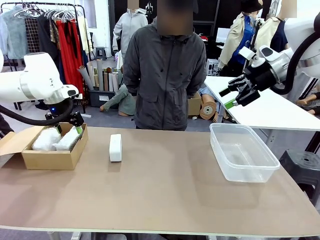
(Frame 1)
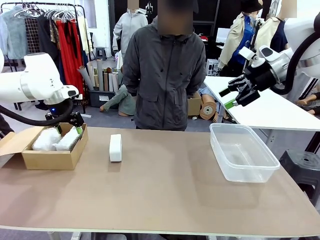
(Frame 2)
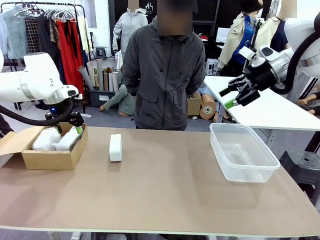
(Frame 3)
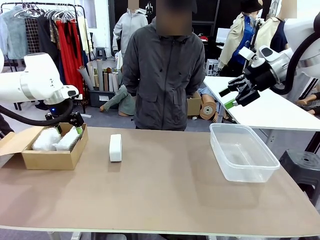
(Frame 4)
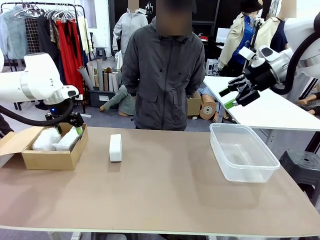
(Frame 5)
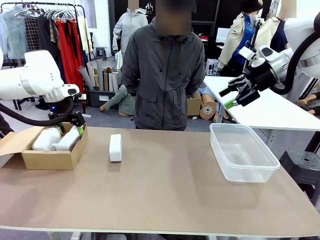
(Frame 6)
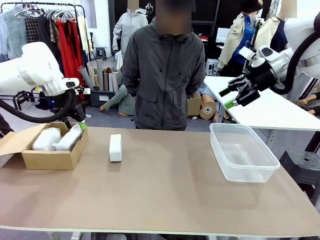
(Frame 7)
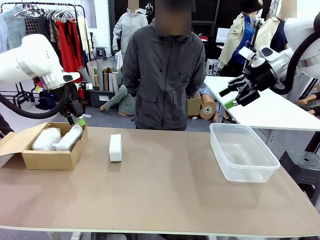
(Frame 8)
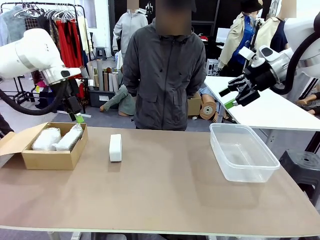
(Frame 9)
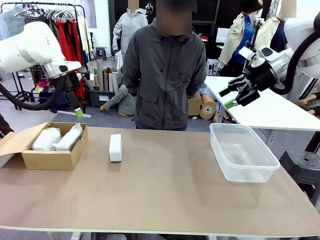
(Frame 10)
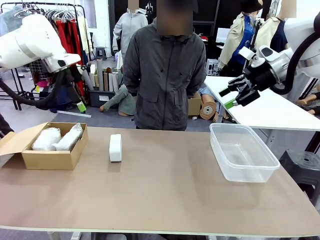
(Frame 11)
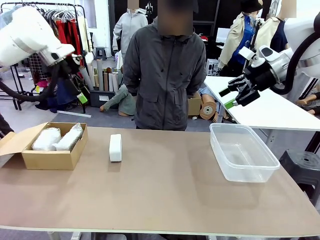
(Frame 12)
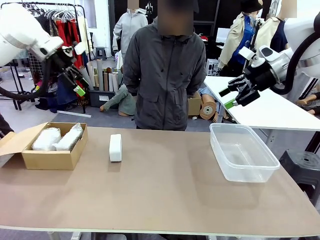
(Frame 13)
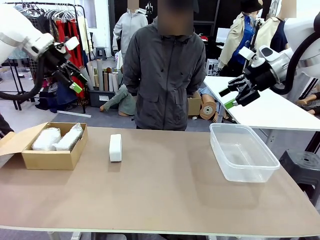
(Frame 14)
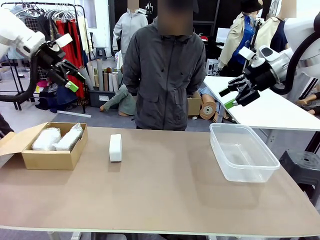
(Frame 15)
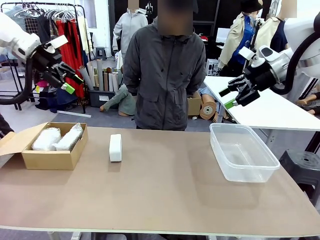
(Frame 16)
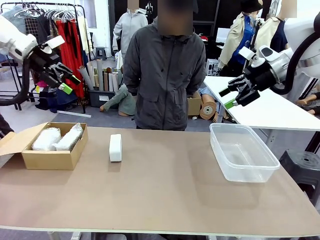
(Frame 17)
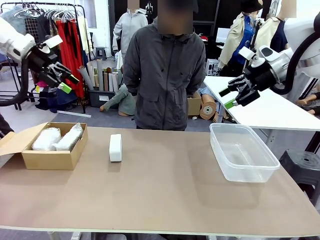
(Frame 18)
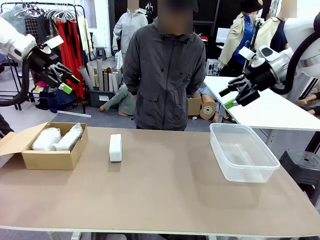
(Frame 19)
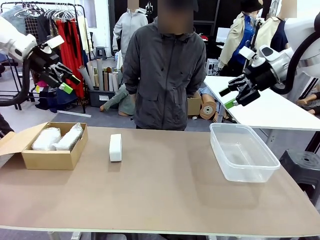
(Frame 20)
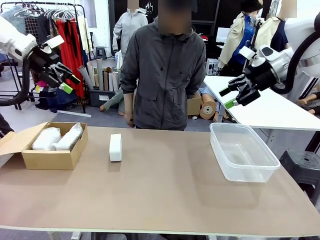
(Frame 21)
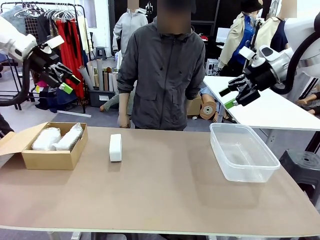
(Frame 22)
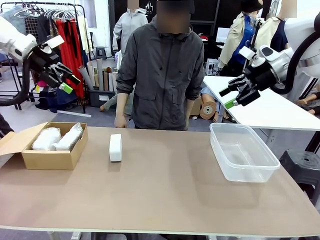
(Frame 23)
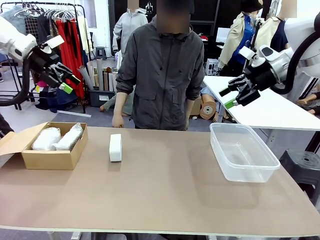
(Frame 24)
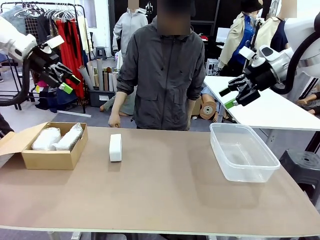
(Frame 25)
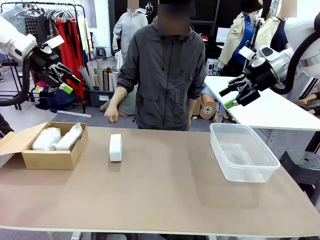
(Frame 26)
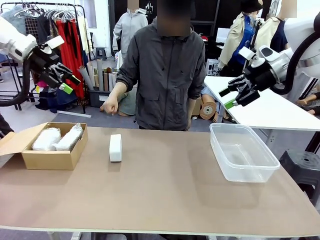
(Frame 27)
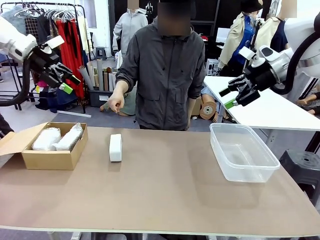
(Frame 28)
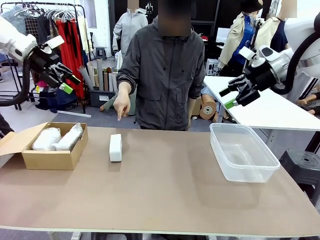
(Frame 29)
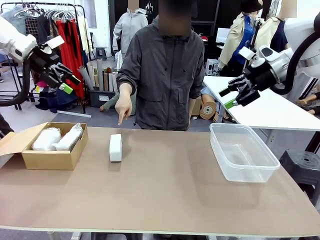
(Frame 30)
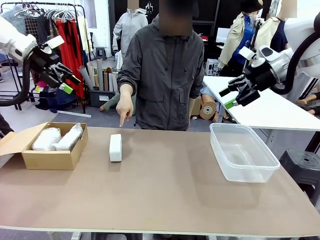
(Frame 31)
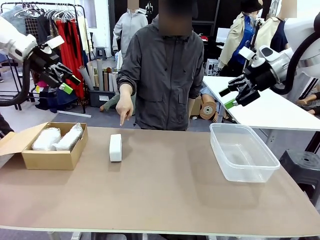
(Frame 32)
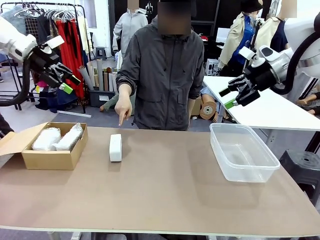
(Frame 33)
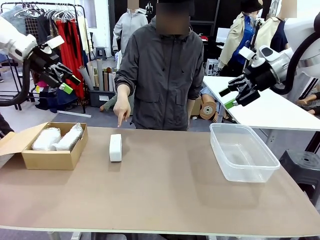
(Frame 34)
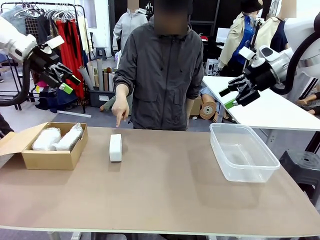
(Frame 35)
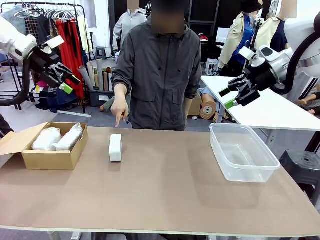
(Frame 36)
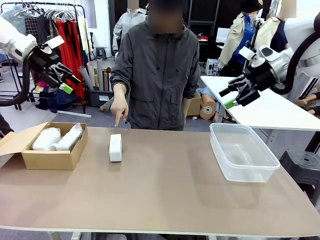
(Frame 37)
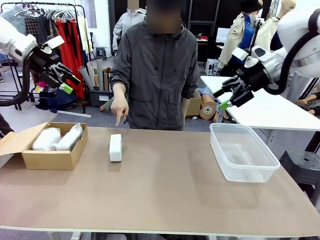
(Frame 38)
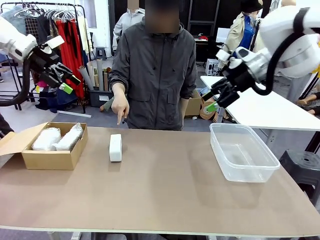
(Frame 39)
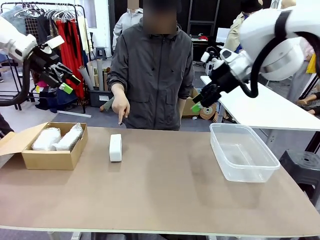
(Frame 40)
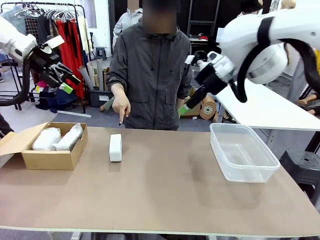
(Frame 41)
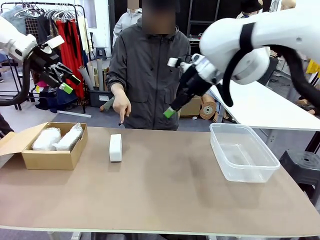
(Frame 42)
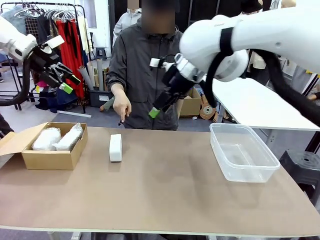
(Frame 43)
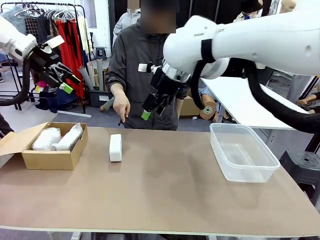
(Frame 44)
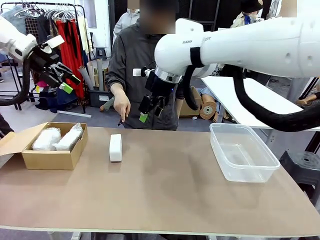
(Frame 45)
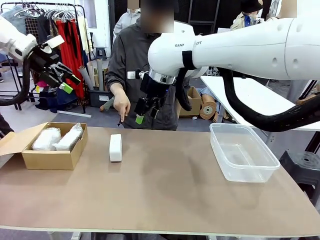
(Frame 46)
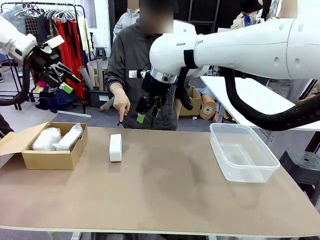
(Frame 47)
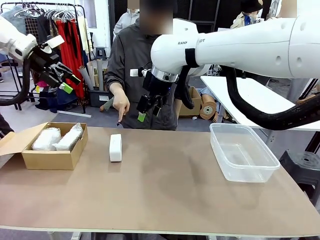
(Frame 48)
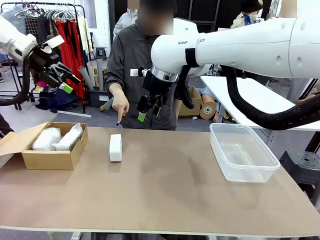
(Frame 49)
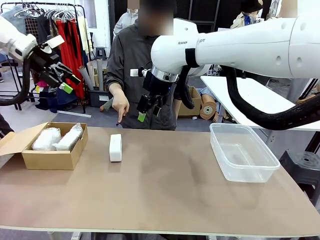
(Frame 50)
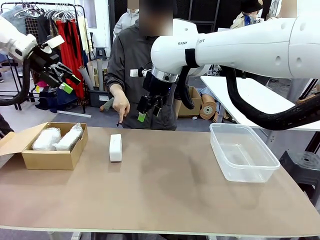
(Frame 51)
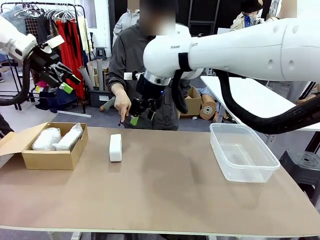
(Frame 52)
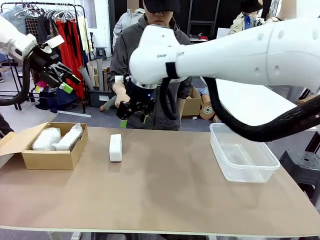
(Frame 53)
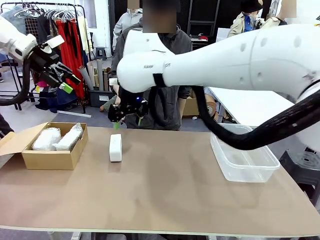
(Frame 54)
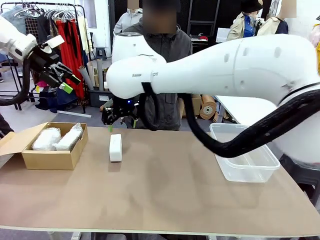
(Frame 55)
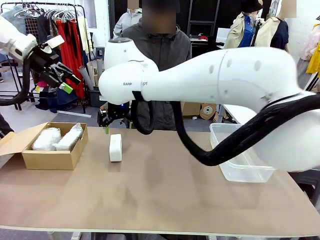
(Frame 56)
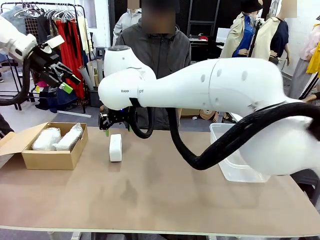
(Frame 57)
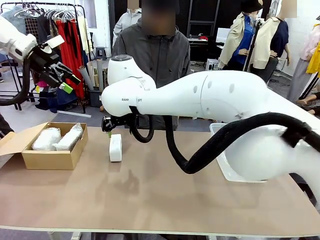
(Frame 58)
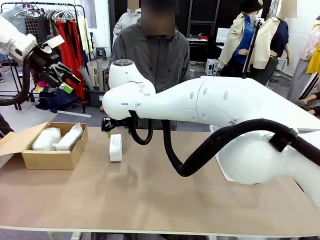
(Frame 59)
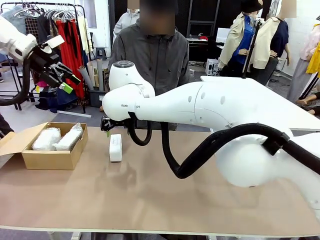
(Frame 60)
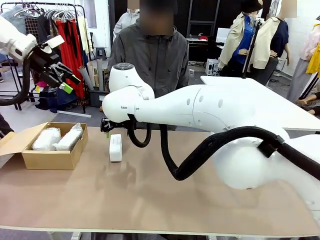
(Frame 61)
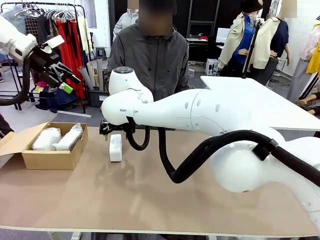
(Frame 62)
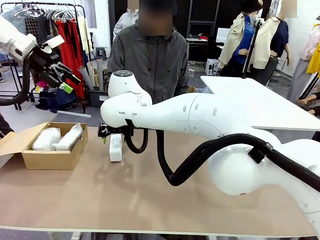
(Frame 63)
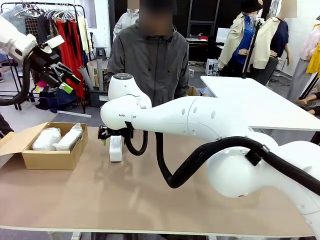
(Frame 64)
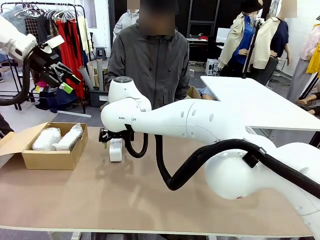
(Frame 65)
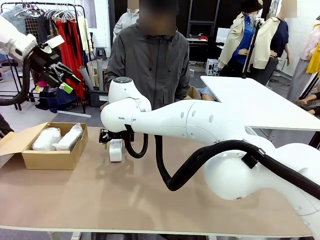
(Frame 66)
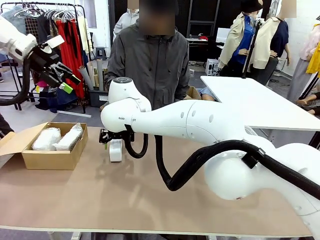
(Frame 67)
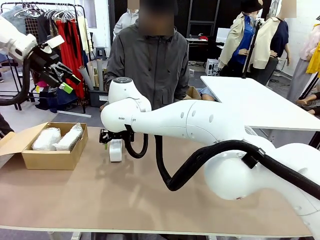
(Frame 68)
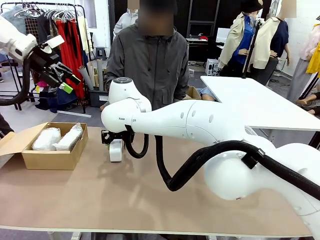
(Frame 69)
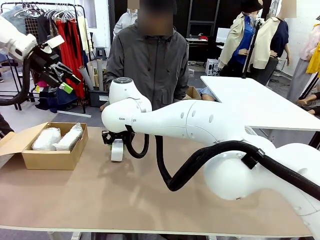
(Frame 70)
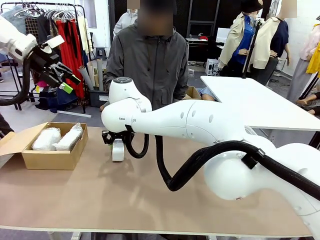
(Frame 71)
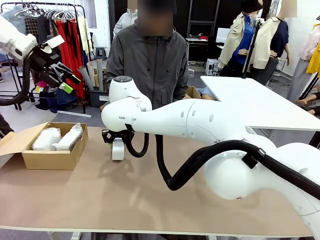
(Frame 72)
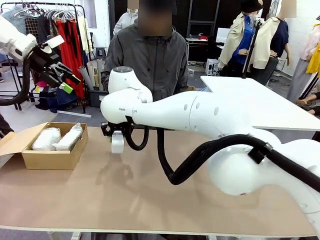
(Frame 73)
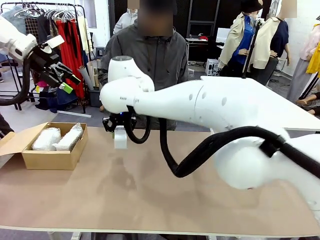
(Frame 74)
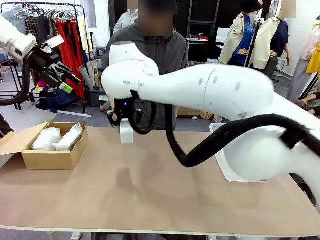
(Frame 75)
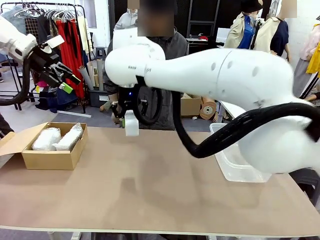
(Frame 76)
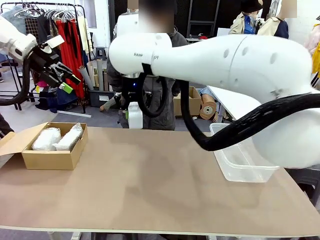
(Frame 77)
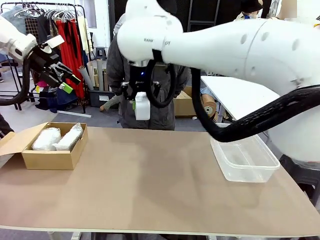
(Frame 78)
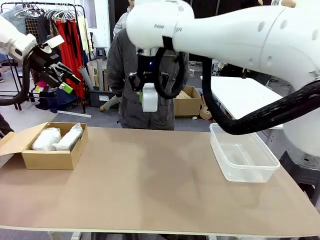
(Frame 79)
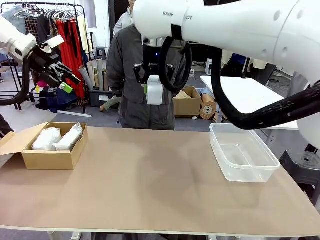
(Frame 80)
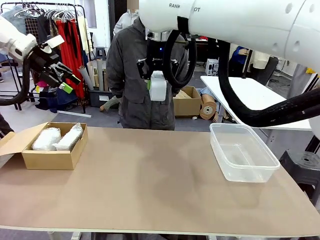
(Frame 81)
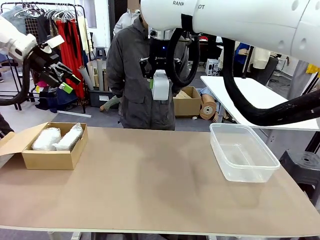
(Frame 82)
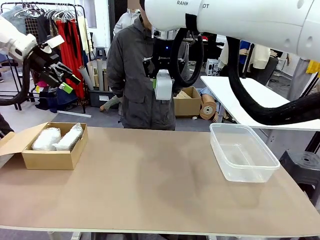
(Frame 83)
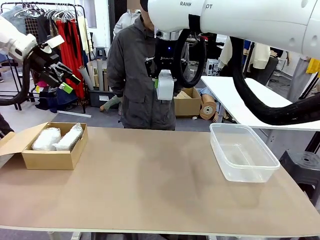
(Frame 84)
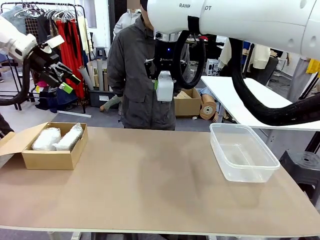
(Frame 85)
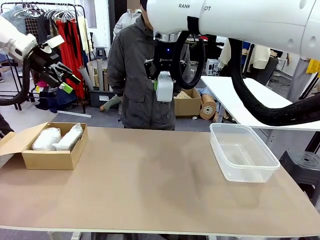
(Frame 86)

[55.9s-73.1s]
Task: Separate and place wrapped and unwrapped clocks.
Robot: Pick up the Digital clock indicated by the person.
